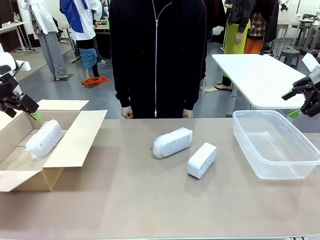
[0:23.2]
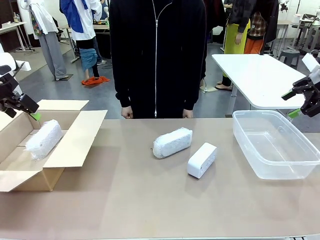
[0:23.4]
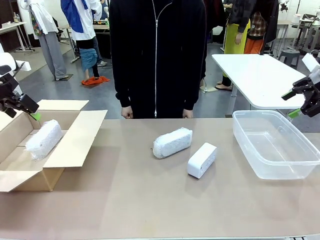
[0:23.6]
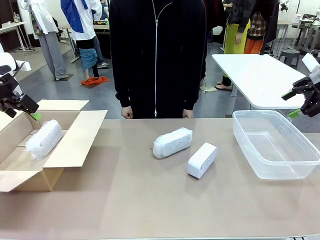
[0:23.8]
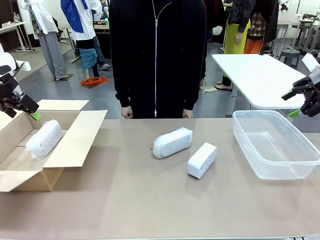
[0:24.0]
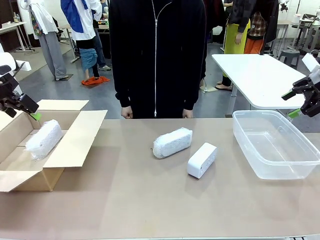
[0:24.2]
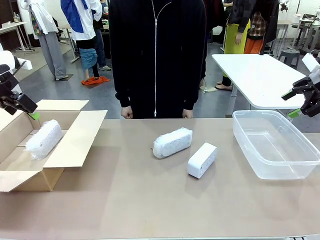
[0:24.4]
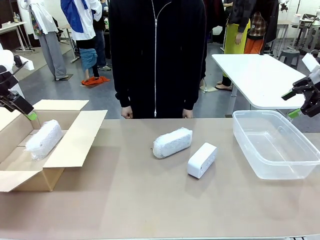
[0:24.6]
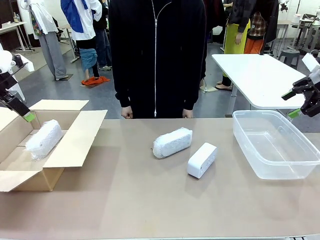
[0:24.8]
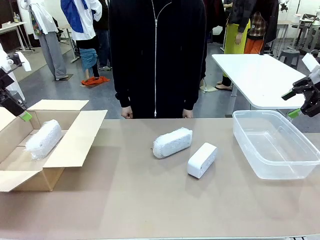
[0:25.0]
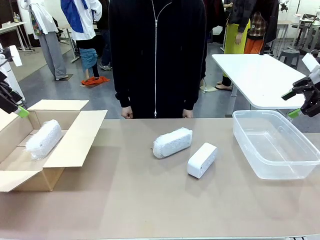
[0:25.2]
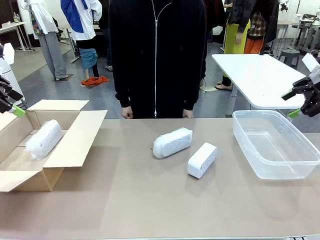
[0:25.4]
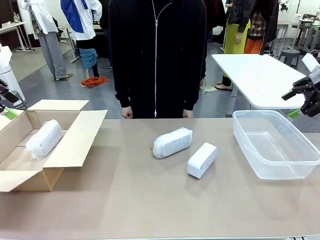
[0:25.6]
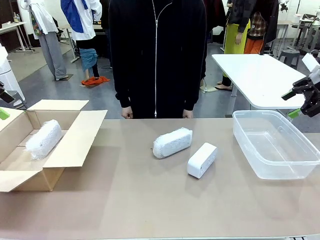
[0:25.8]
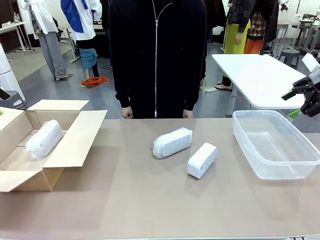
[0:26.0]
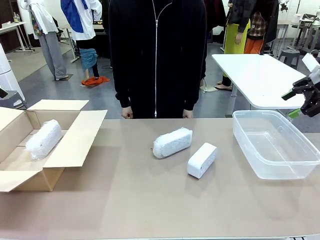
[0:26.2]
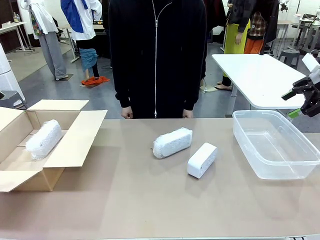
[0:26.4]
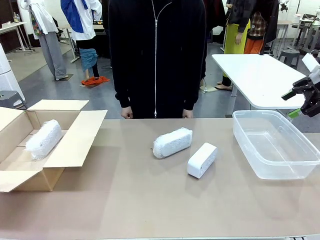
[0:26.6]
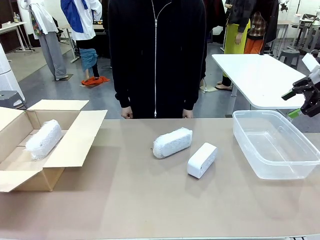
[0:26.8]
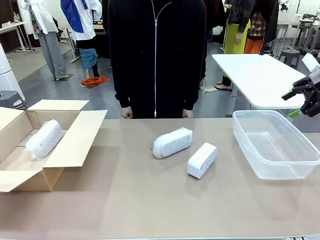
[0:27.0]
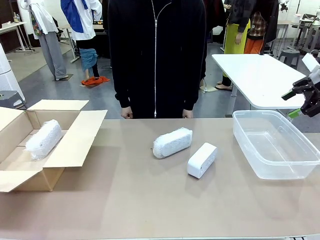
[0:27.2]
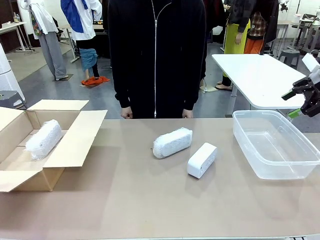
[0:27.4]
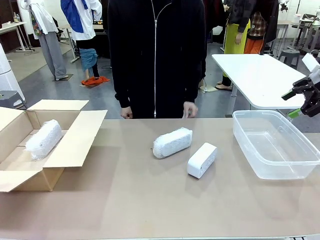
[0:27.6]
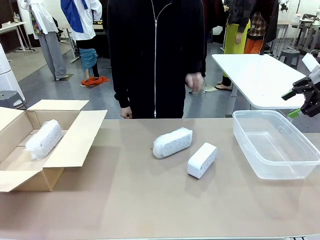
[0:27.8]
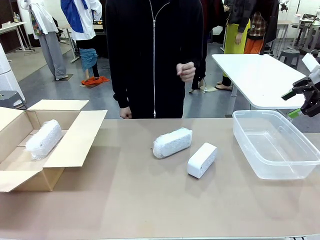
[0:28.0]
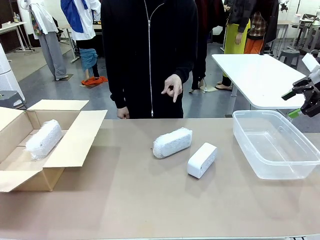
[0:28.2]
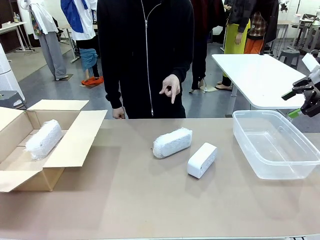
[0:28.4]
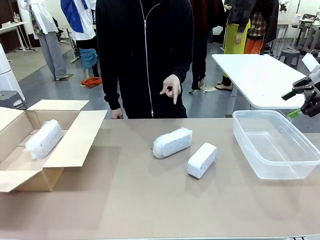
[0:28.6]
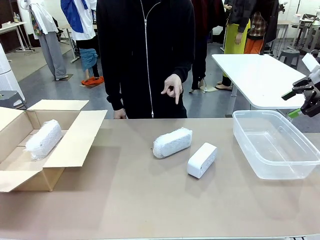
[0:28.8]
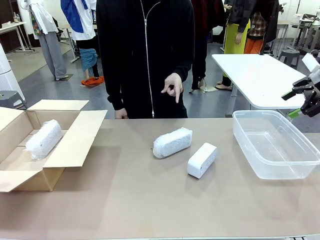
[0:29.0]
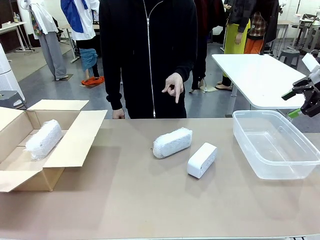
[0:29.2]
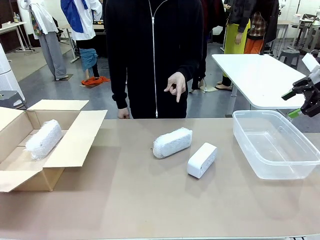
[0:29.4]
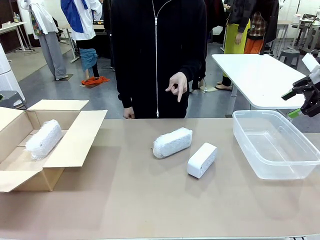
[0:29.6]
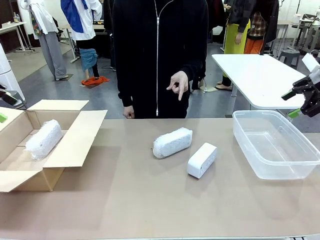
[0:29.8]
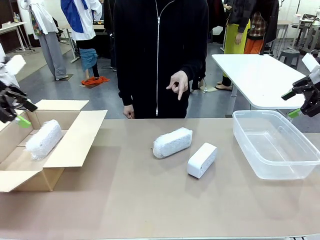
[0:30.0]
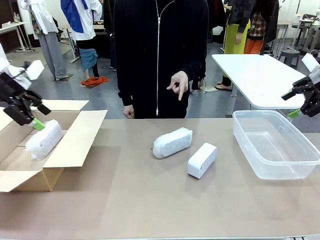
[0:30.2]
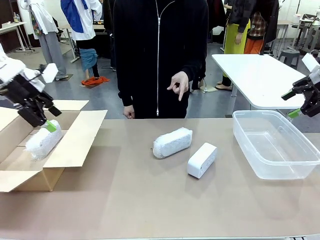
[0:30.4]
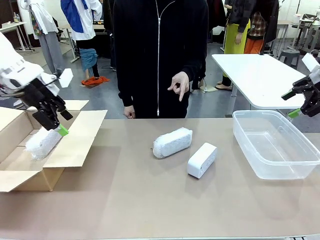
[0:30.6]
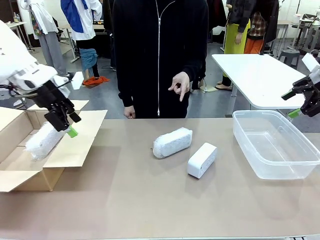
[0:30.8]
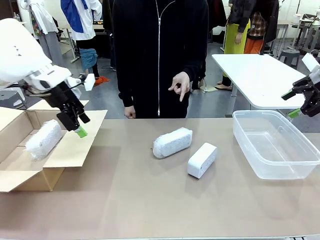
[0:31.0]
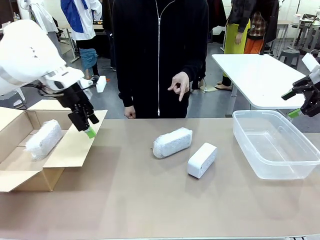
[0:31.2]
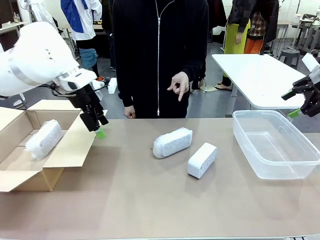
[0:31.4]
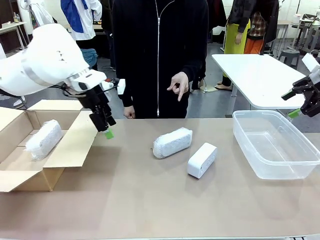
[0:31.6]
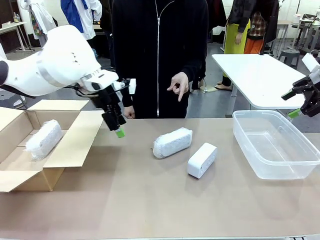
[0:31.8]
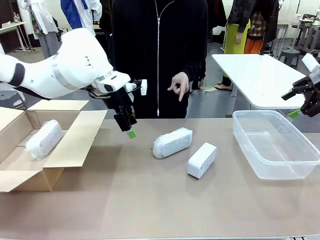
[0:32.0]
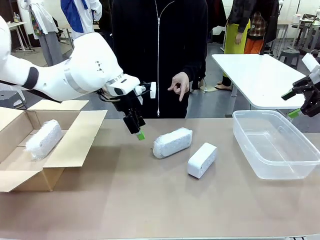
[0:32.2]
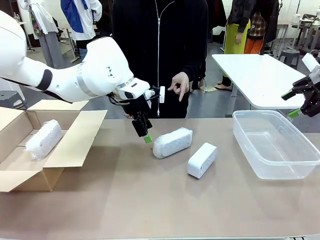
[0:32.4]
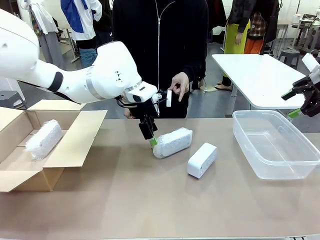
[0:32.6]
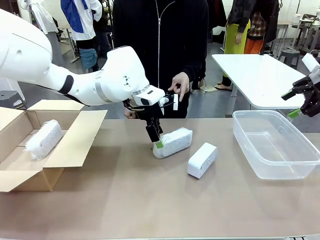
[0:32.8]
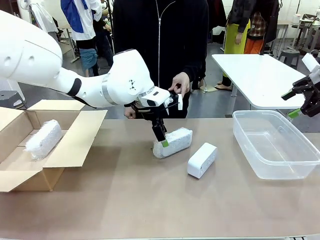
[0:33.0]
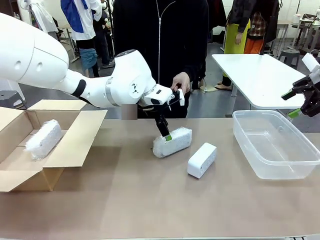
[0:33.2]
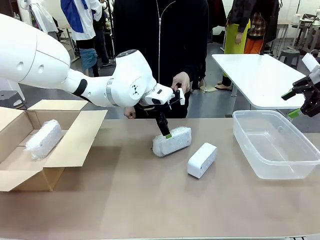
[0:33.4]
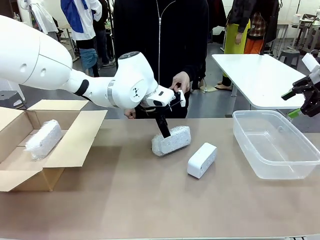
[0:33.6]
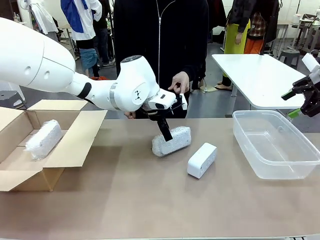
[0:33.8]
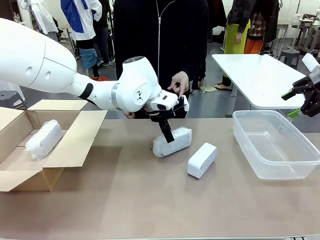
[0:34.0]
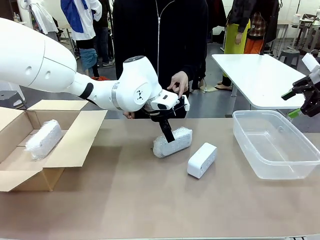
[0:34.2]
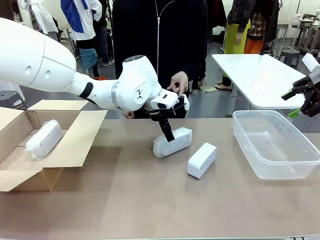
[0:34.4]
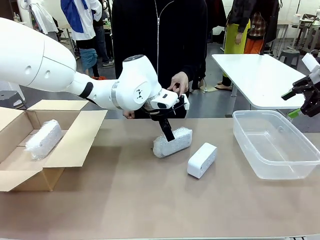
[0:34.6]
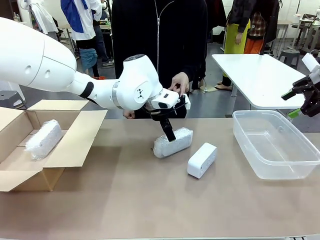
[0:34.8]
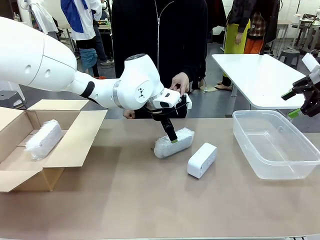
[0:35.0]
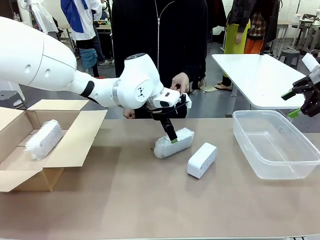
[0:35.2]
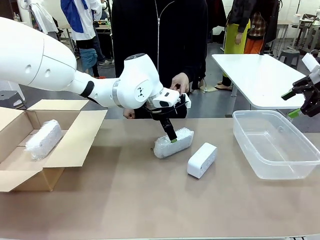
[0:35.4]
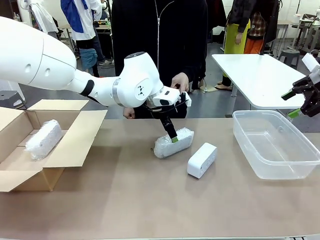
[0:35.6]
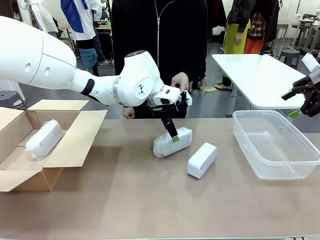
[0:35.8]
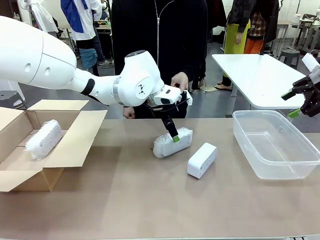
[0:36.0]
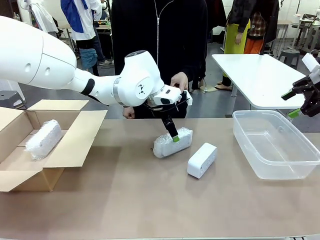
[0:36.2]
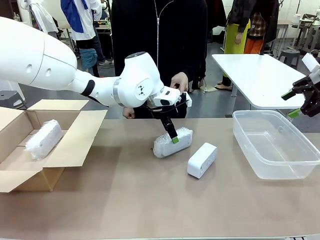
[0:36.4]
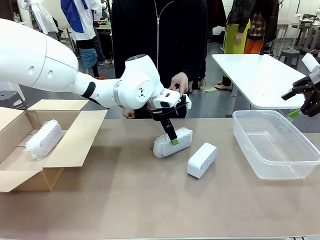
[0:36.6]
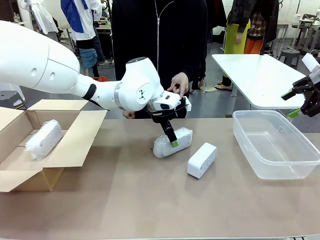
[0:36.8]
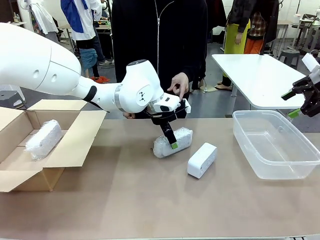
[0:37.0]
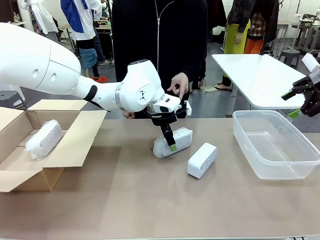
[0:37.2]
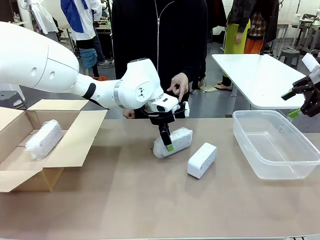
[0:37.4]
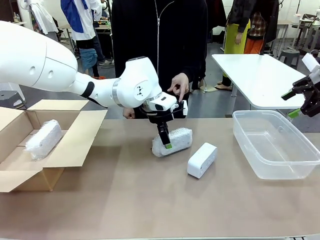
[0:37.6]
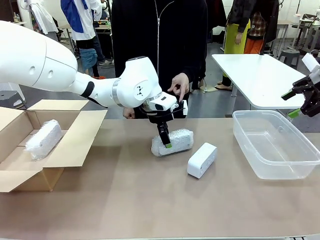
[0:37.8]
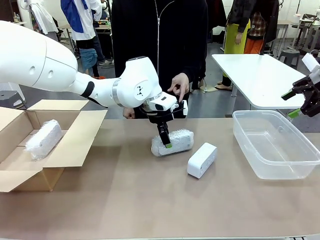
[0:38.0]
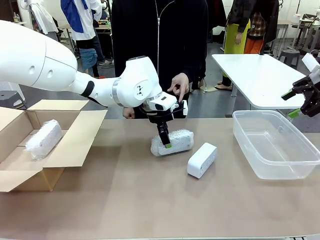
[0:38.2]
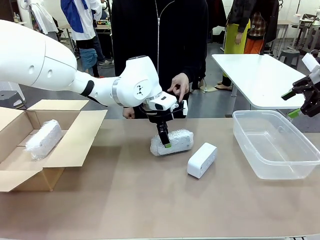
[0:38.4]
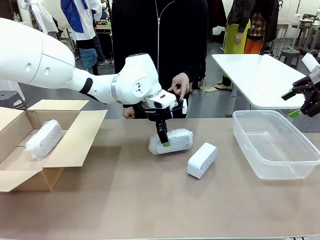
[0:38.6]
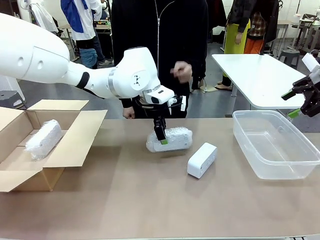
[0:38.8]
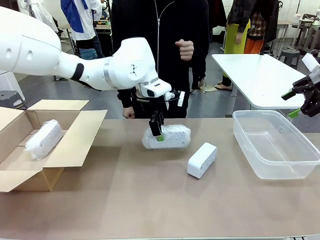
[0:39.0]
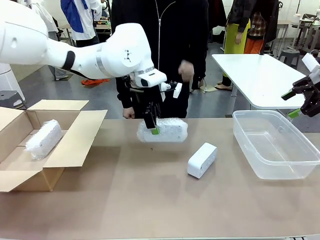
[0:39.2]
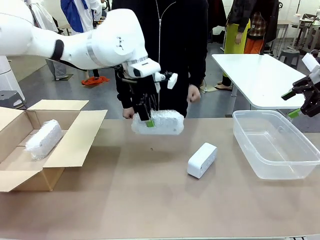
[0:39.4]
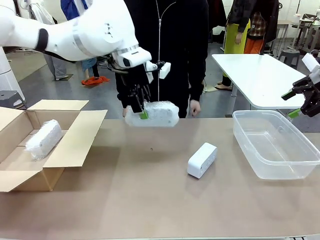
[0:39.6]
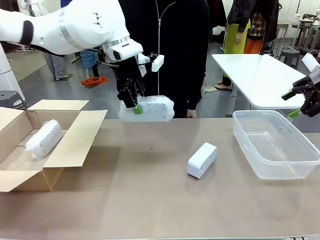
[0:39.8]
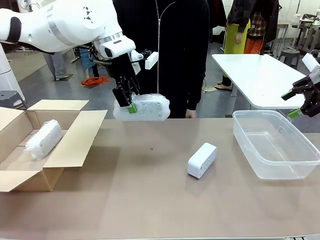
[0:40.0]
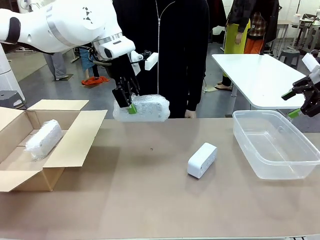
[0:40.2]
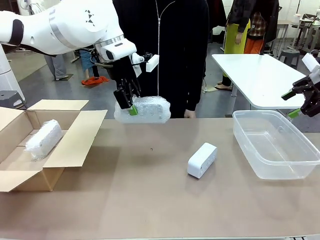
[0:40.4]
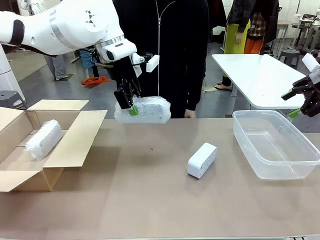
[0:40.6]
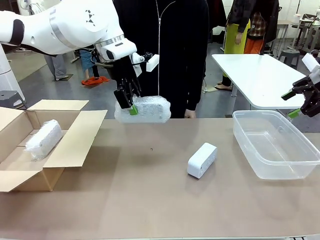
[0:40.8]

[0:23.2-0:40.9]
Task: Separate and place wrapped and unwrapped clocks.
Robot: Pick up the Digital clock indicated by the person.

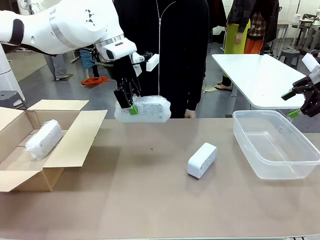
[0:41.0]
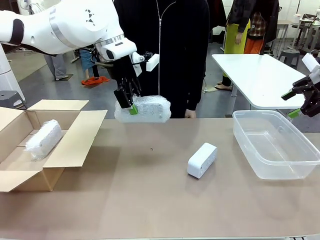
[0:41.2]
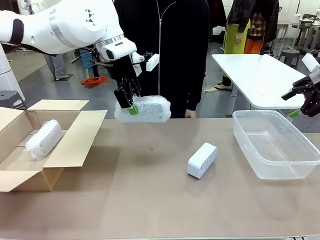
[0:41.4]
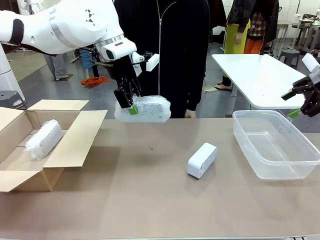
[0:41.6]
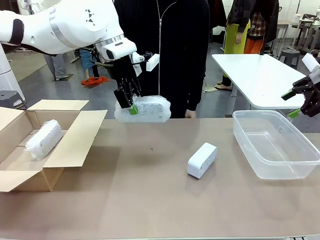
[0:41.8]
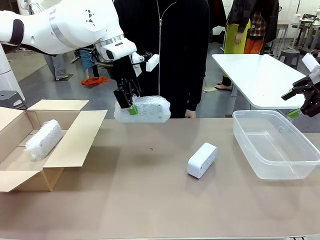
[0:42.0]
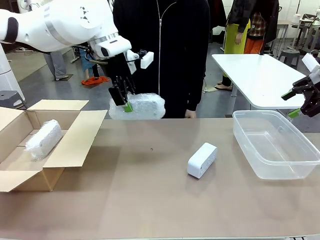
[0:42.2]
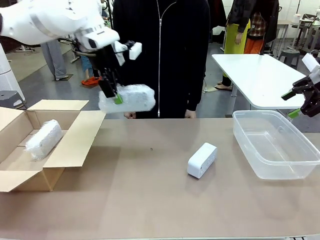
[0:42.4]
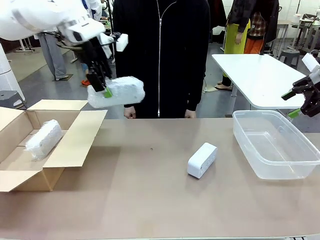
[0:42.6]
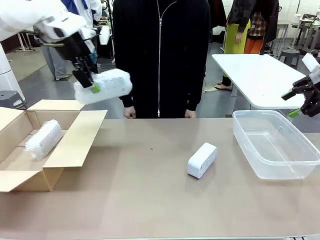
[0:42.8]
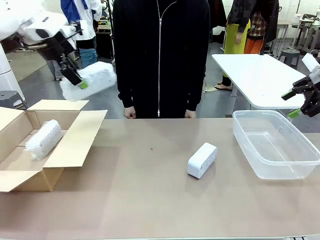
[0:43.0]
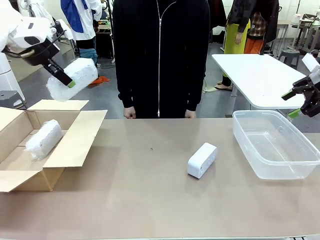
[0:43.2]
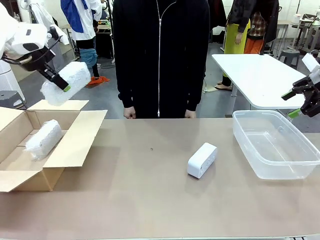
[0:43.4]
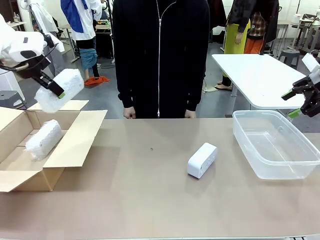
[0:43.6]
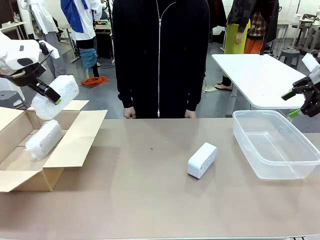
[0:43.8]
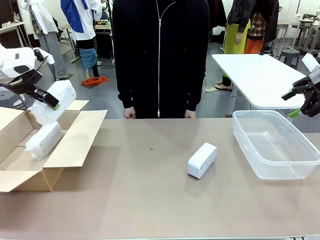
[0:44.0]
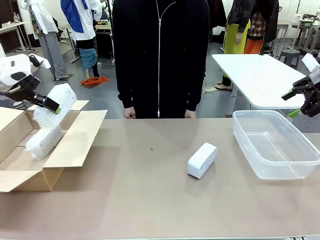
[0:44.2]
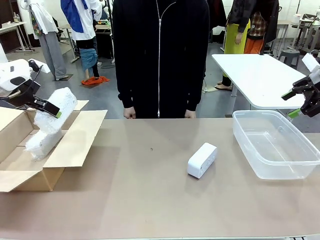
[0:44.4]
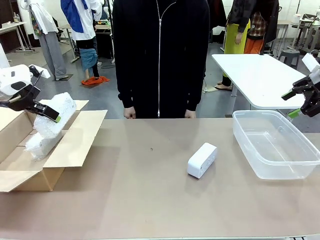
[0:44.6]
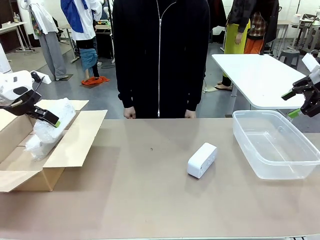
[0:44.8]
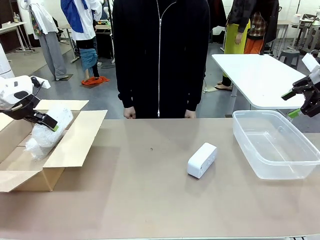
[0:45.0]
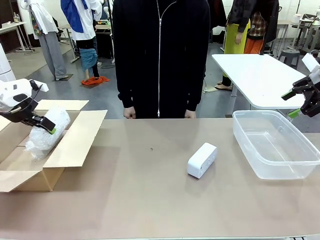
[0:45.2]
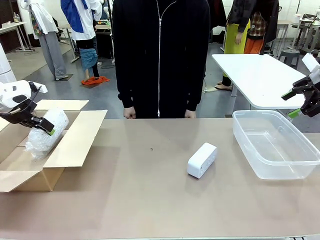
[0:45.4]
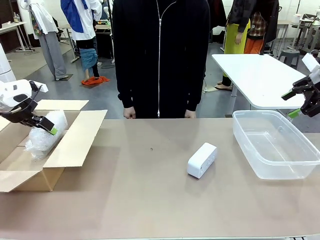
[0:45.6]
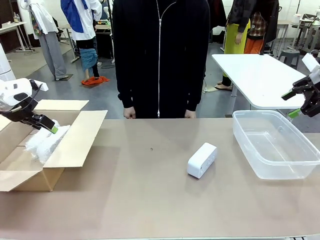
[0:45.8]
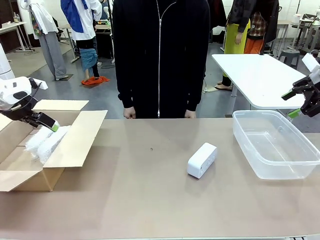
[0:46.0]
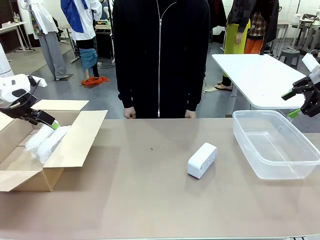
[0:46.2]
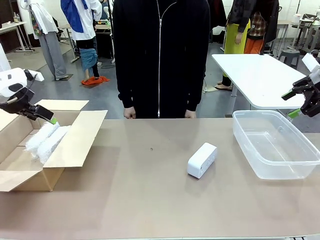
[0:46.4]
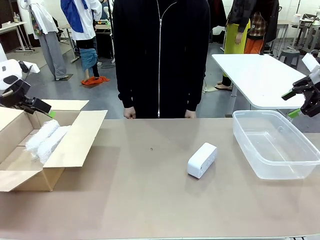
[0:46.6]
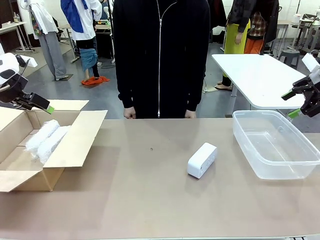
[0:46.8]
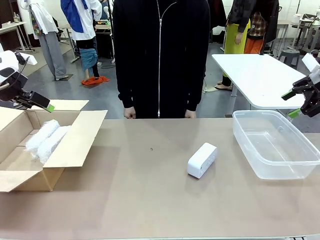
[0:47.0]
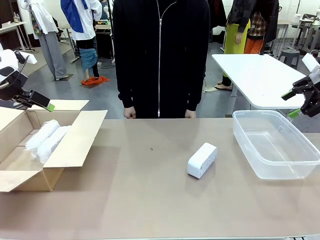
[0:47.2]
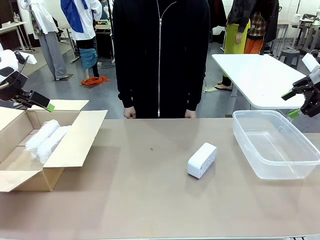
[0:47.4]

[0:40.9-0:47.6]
Robot: If the picked Digital clock is wrapped, place it in the Package Box ; if not, place it in the Organizing box.
